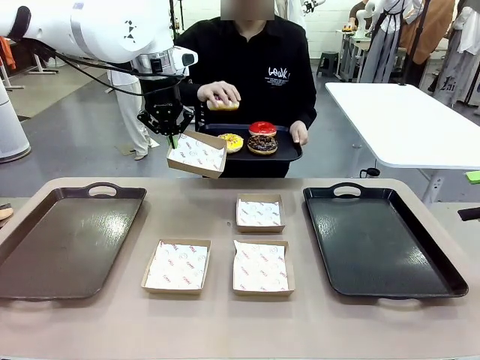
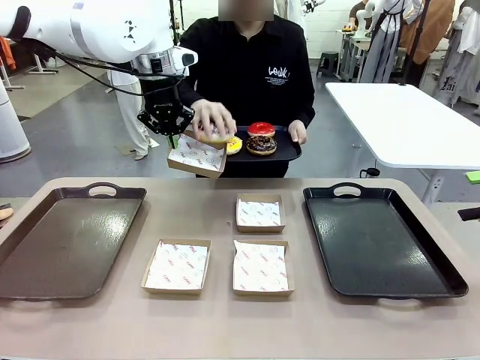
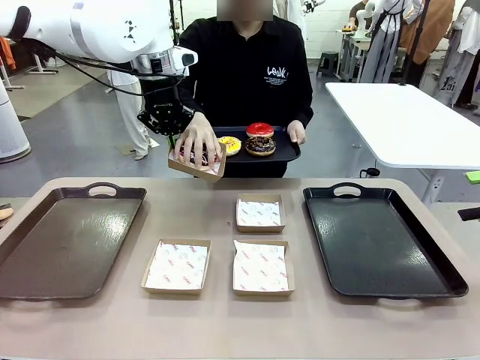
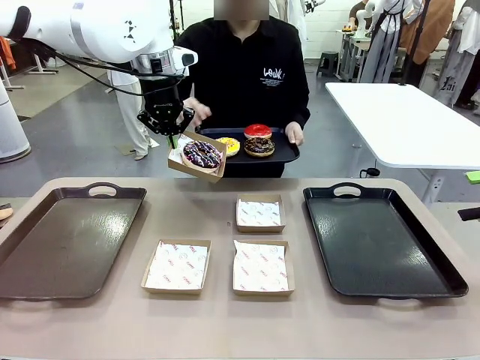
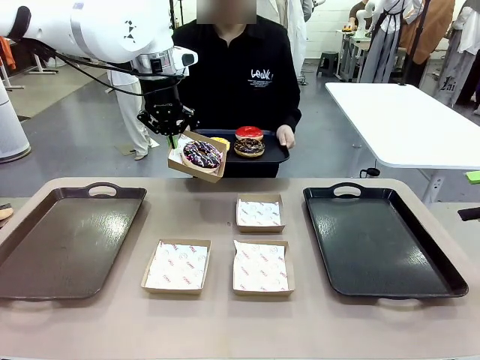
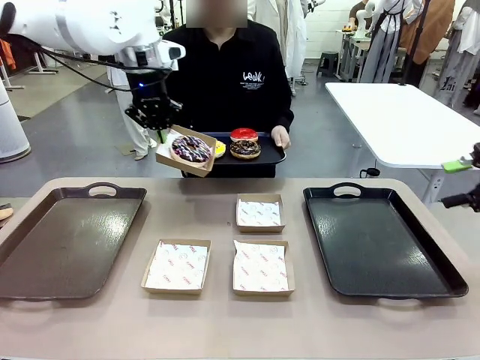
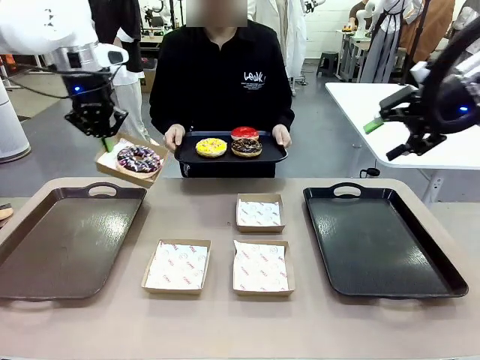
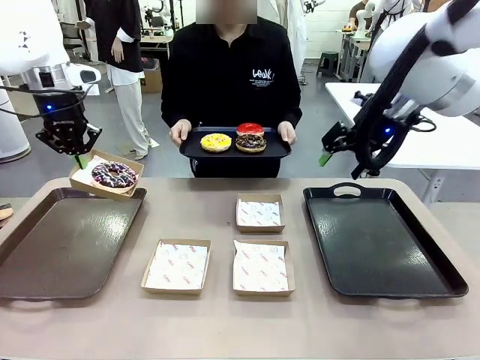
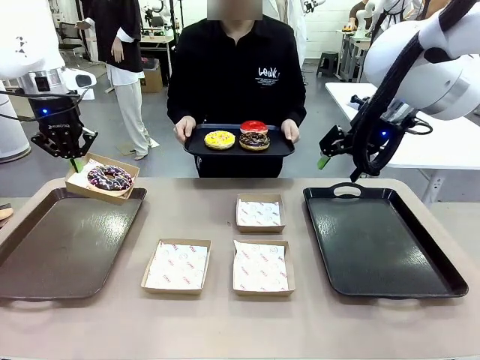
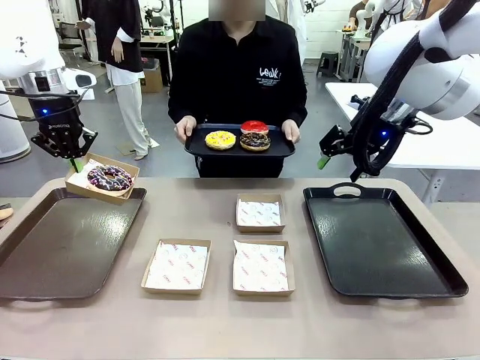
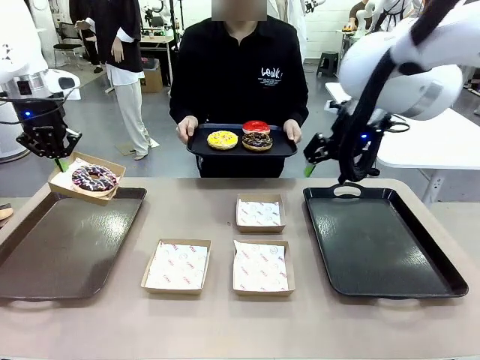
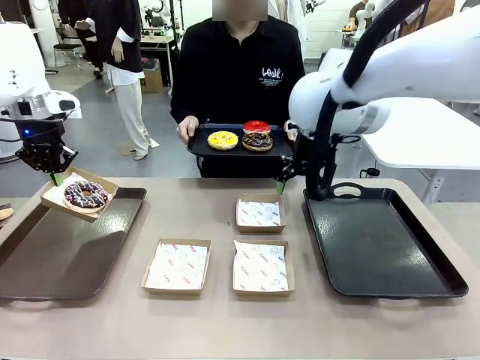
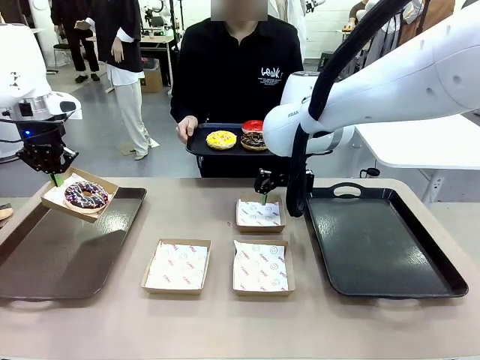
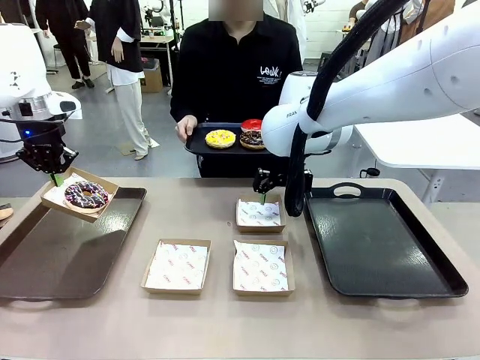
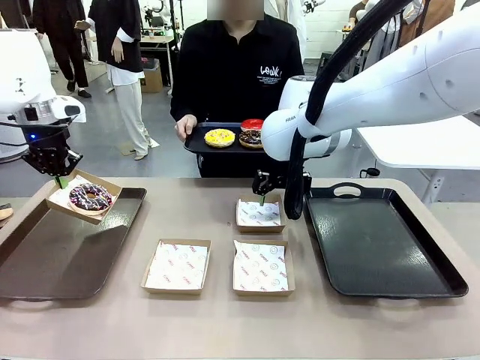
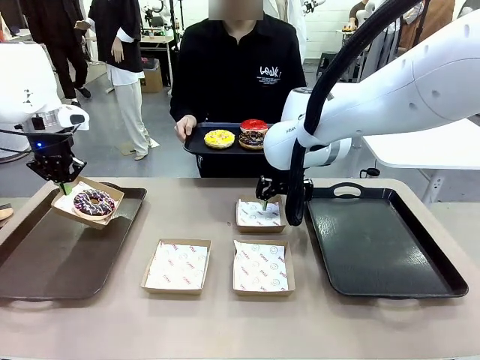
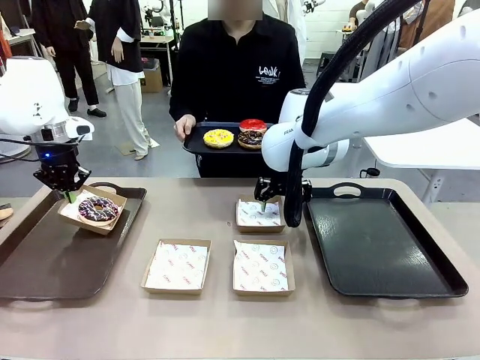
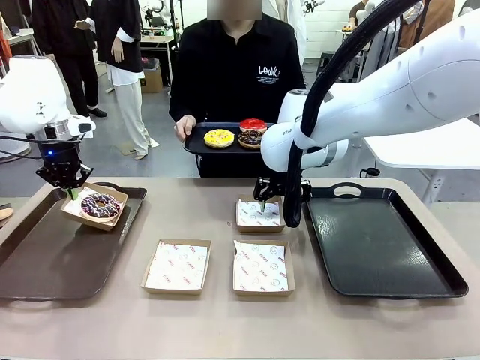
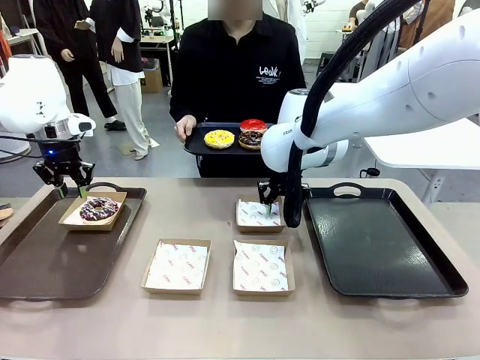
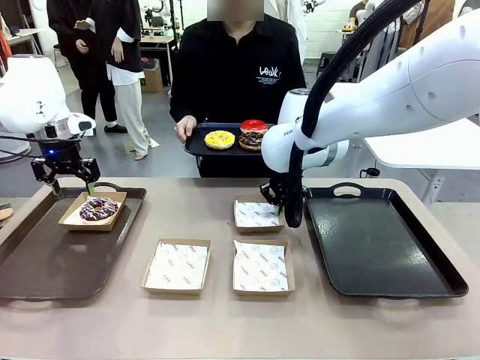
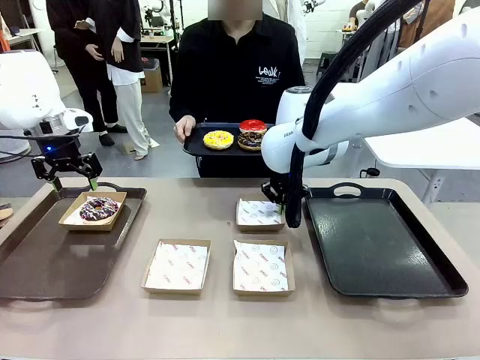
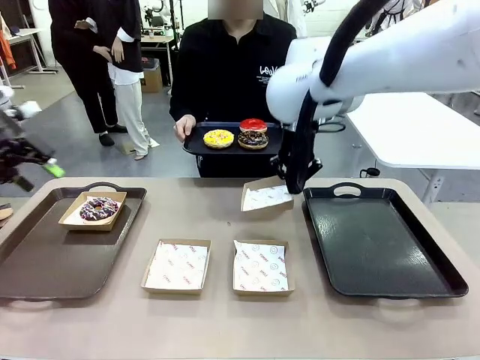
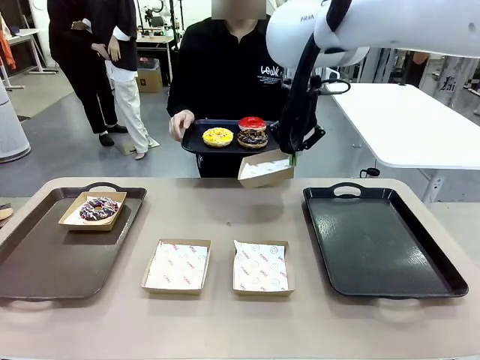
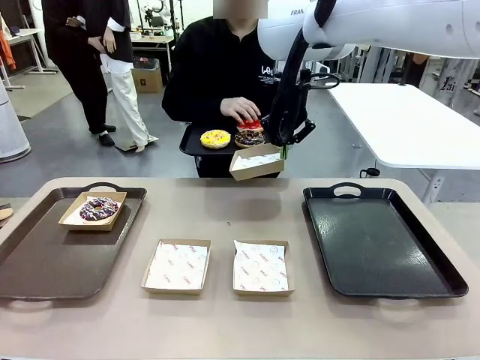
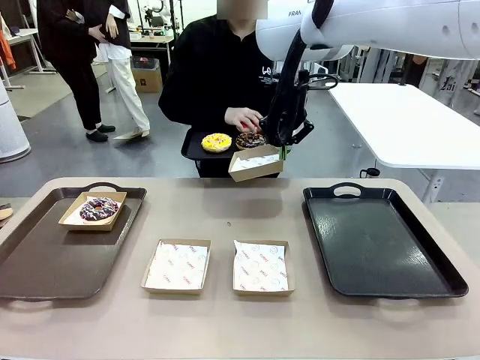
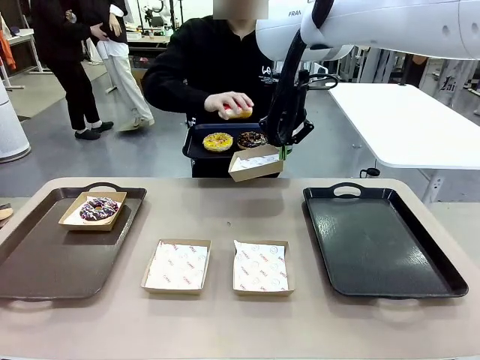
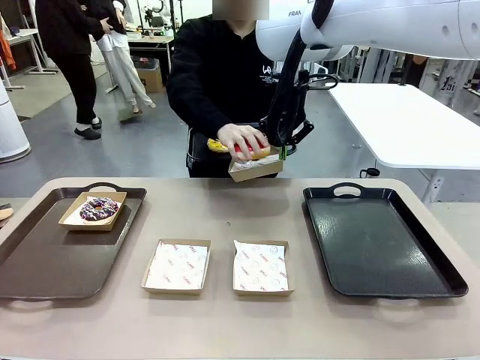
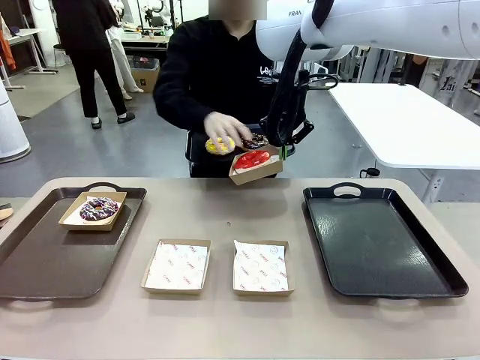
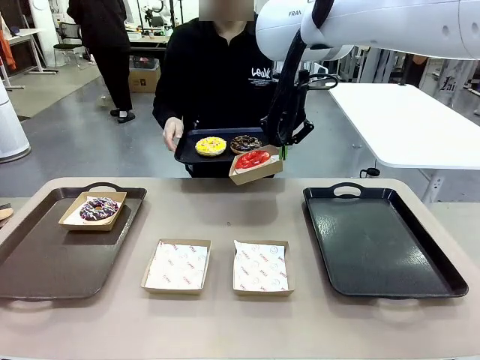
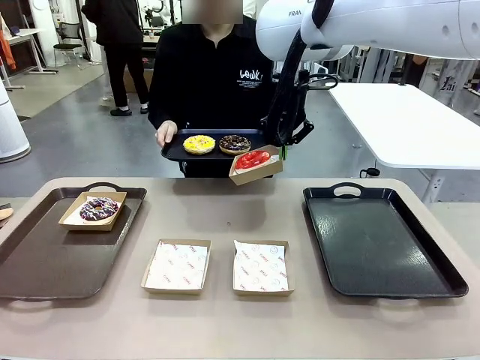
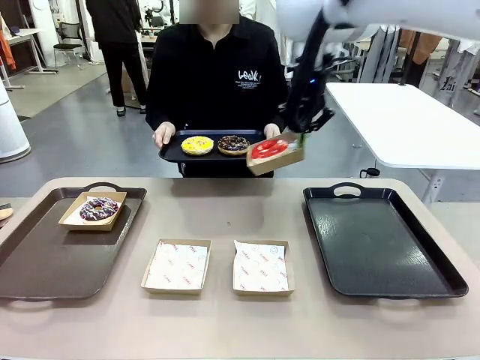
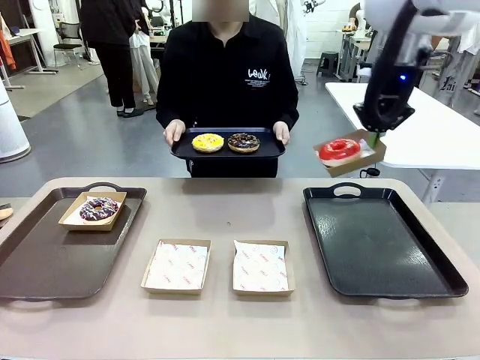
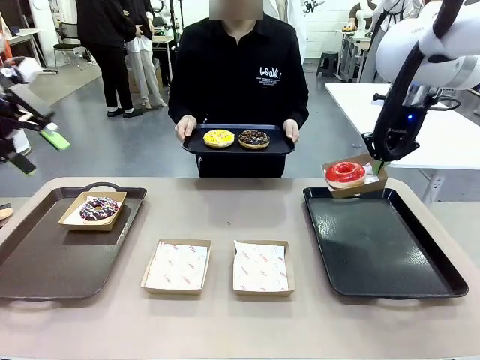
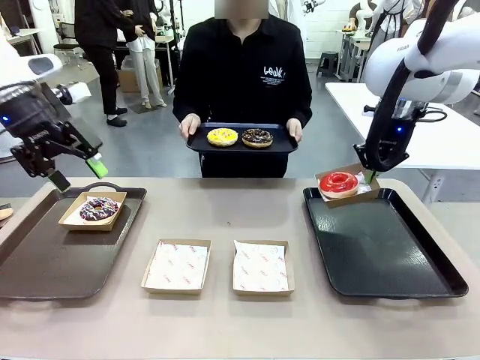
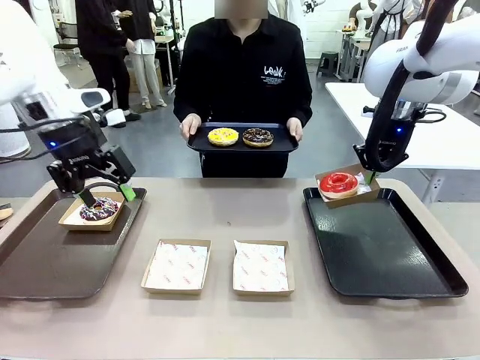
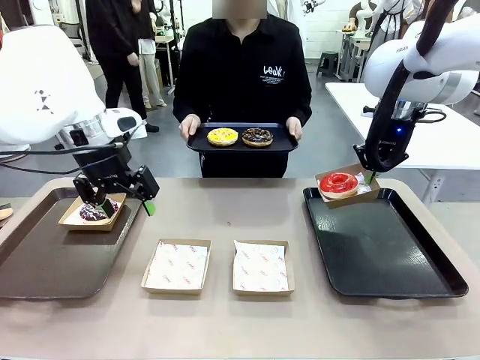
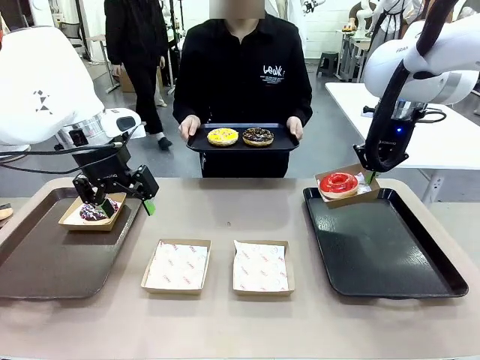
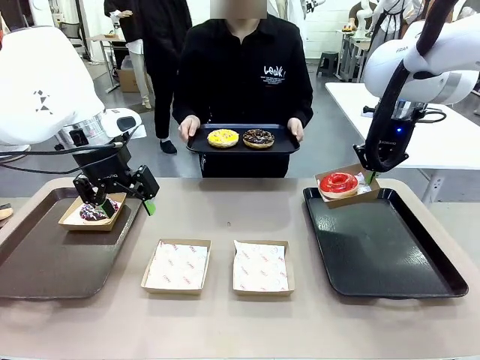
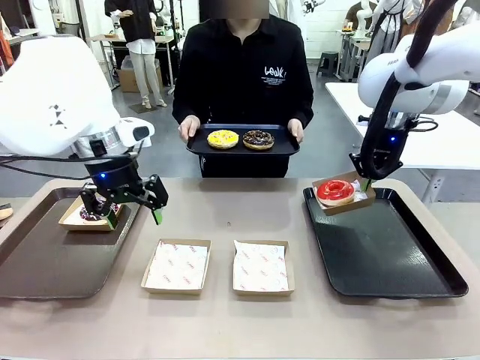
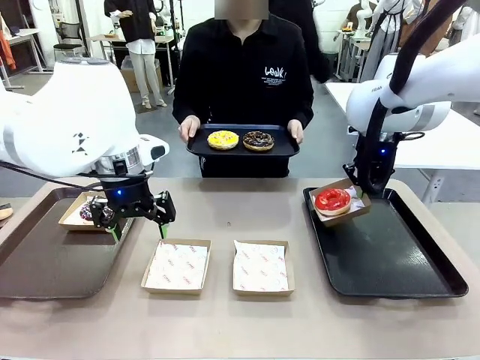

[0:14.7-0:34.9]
Task: Individually package the donuts and arrange them on the tray.
Robot: Place the picked Paper togo box on the Handle tray while simultaneously picking up another Paper togo box from the table with the other hand.
